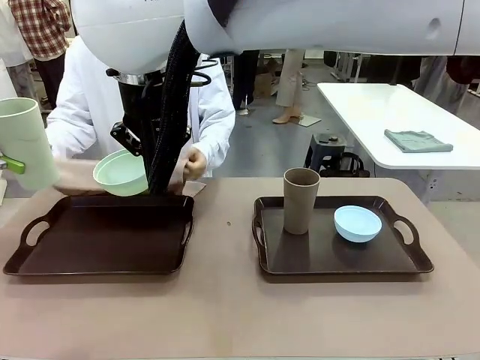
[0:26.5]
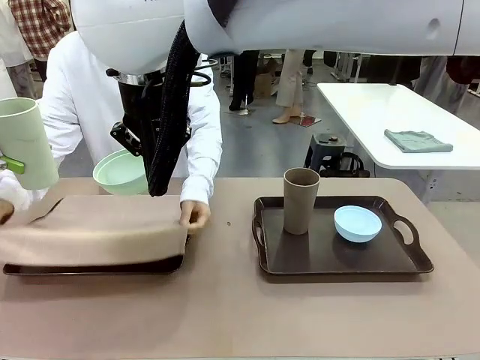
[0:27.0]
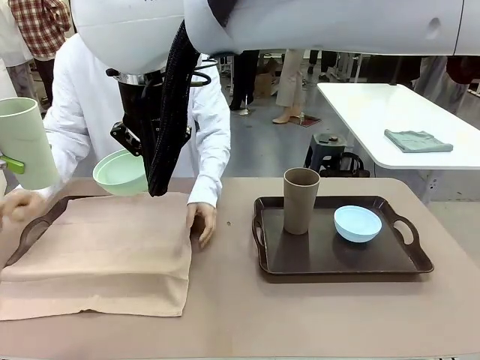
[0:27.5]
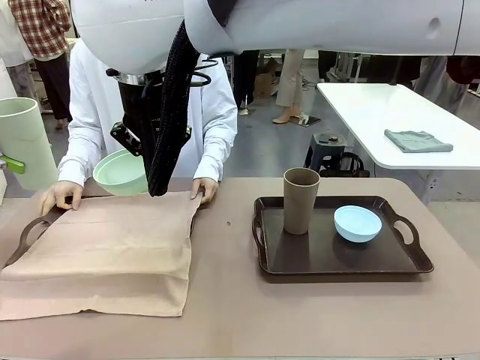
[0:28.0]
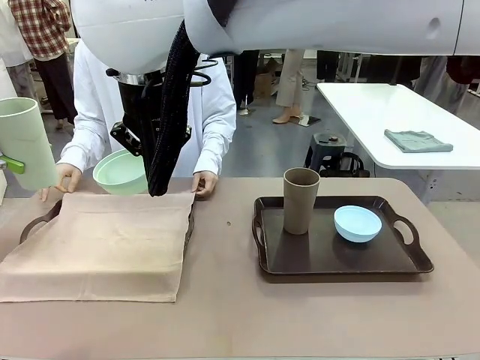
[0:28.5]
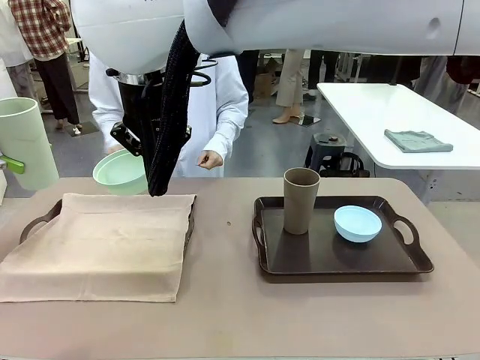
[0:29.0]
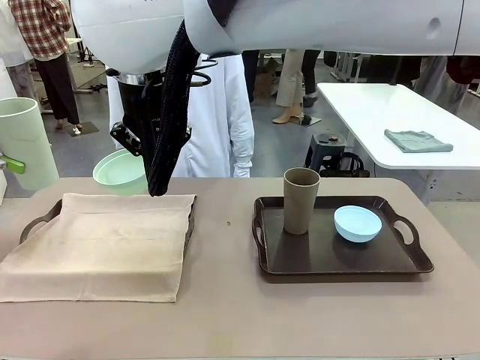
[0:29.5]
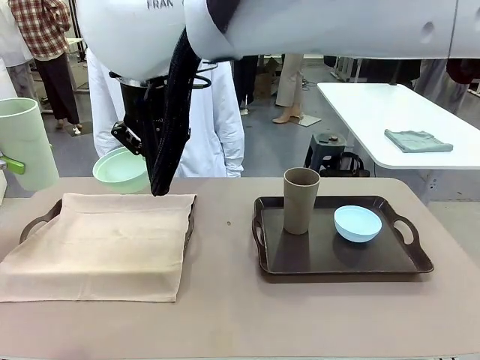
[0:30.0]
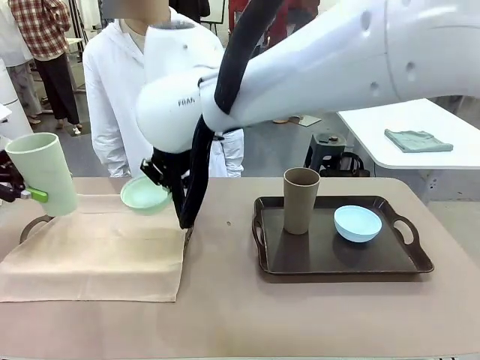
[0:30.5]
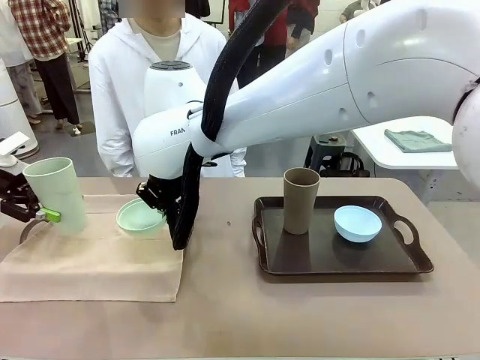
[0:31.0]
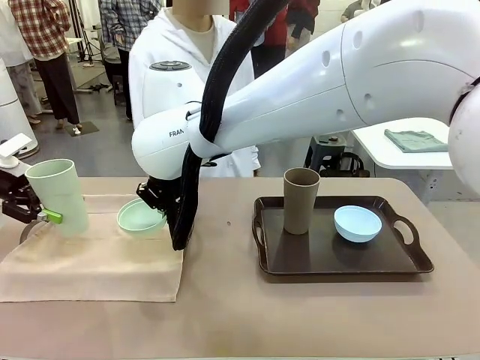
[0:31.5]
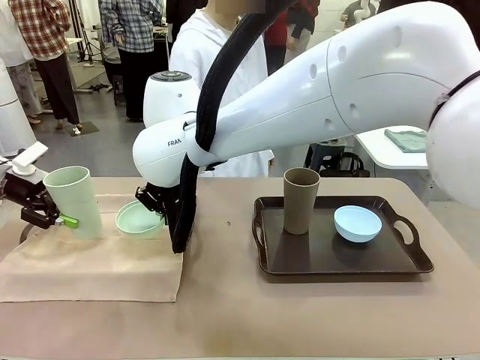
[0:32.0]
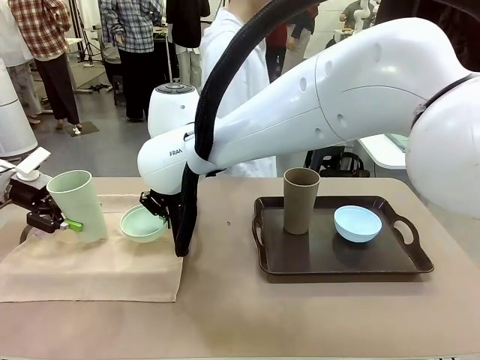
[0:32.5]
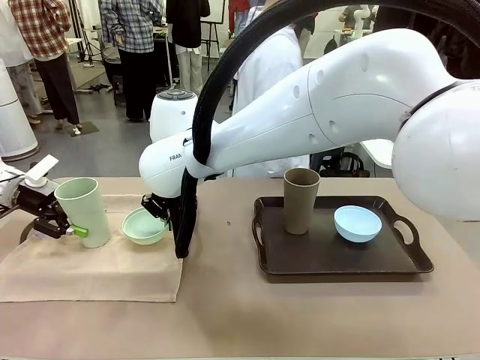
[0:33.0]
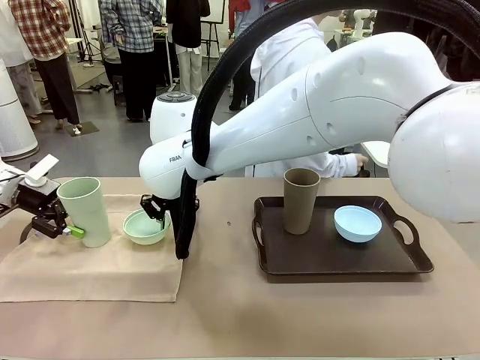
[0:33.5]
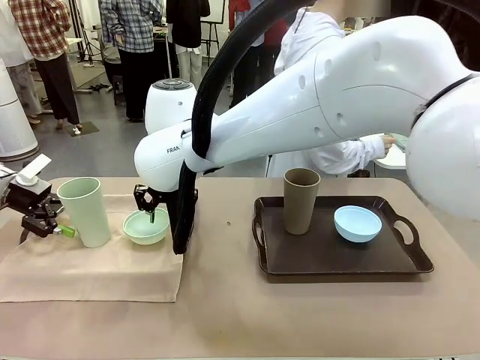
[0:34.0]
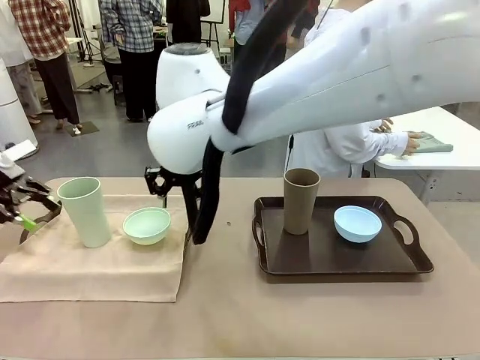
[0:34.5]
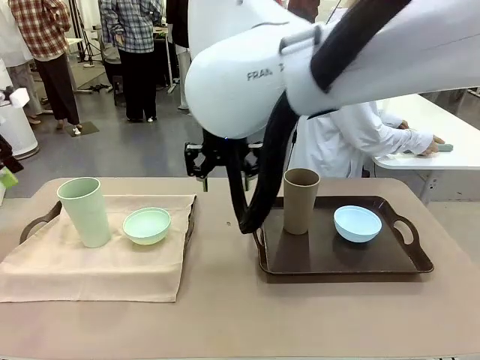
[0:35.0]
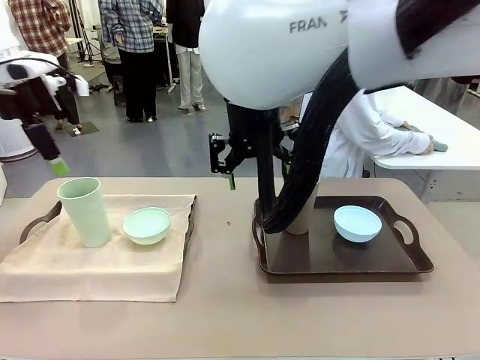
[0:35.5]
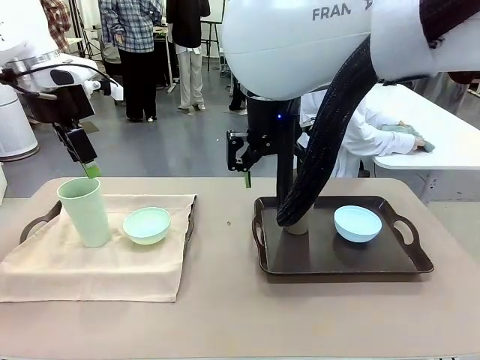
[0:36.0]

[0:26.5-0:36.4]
Robot: Place the Picnic Bowl and Reusable plastic cup back onto the Handle tray in front of the human's position.
Person: The human returns to the human table to pick up another napkin and walks to the robot table to stand in front of the tray without a napkin.

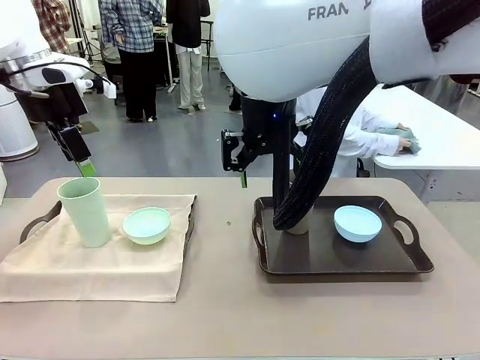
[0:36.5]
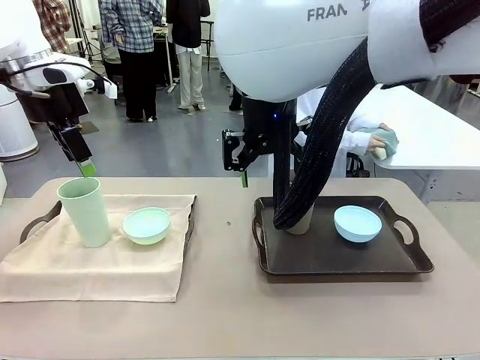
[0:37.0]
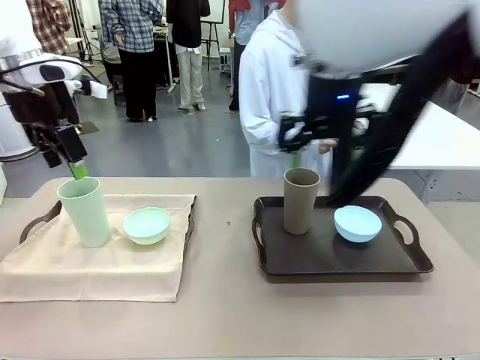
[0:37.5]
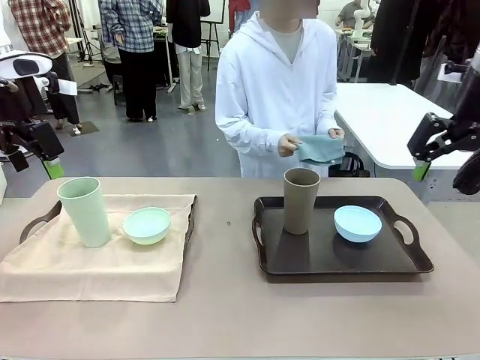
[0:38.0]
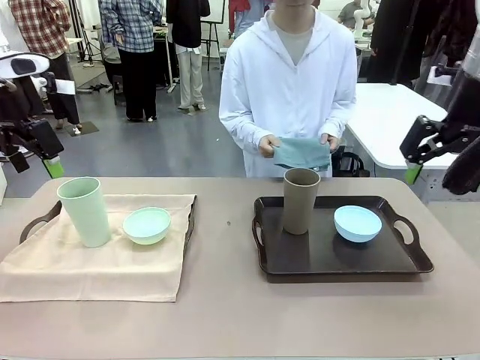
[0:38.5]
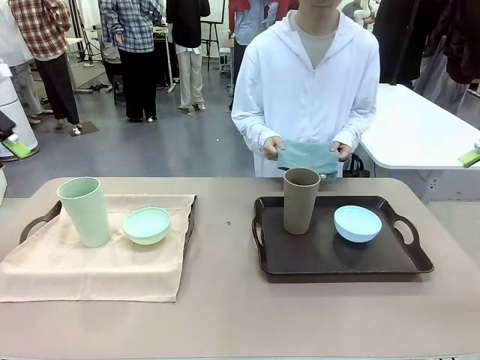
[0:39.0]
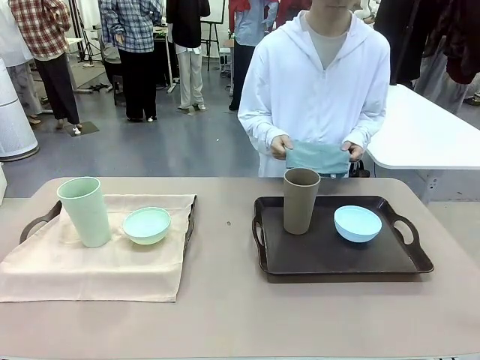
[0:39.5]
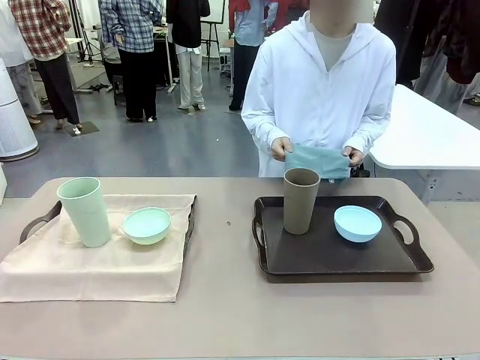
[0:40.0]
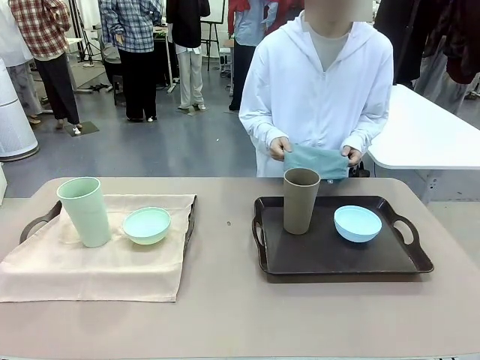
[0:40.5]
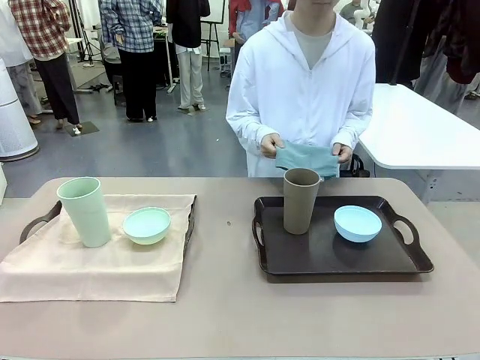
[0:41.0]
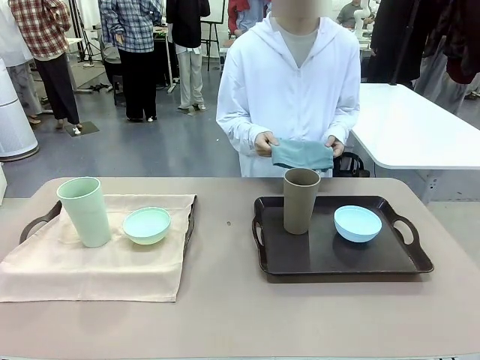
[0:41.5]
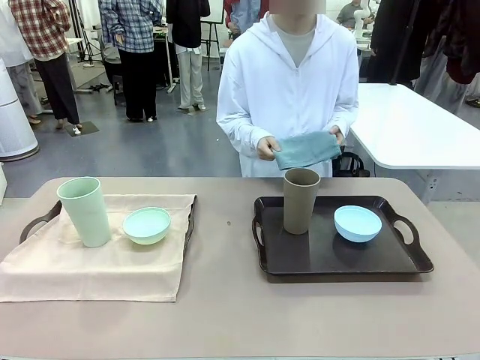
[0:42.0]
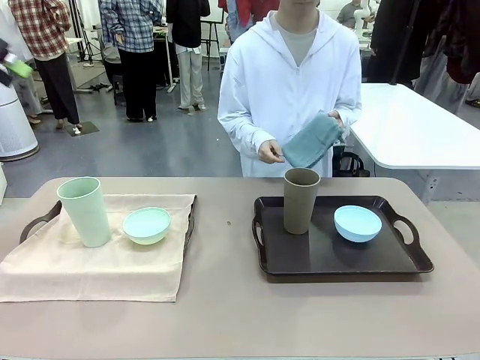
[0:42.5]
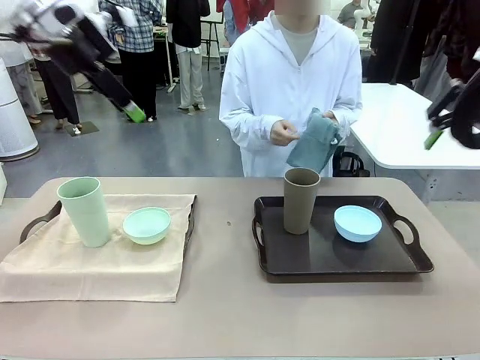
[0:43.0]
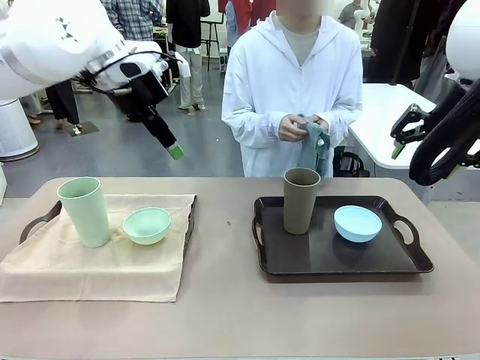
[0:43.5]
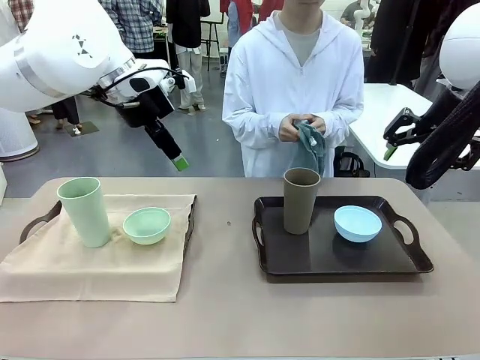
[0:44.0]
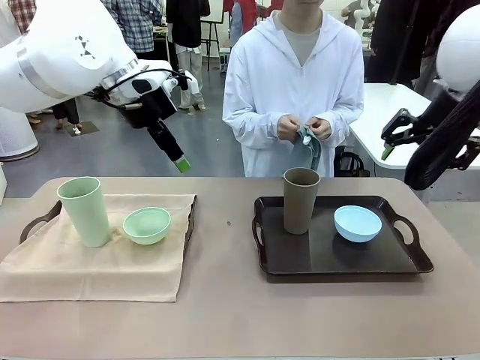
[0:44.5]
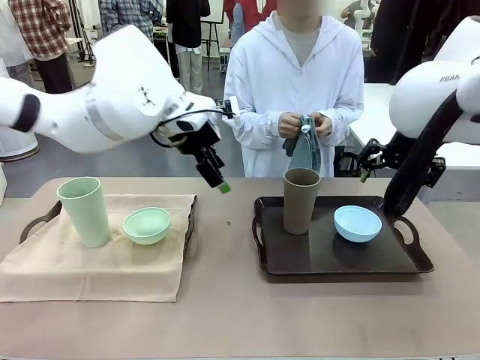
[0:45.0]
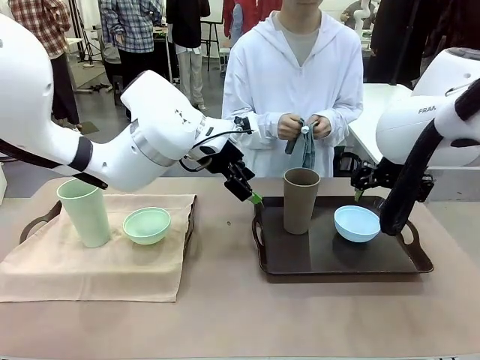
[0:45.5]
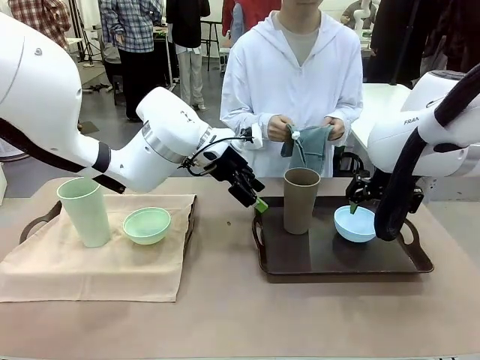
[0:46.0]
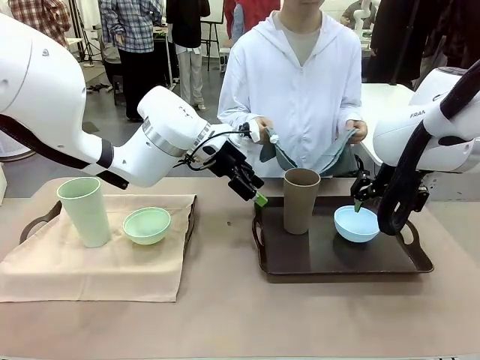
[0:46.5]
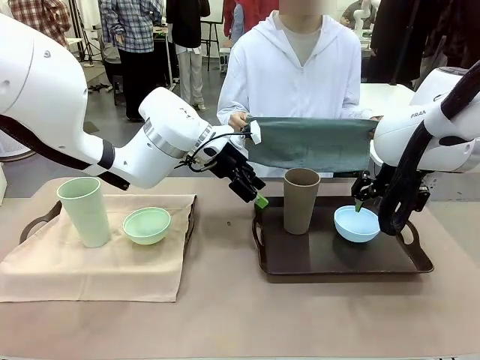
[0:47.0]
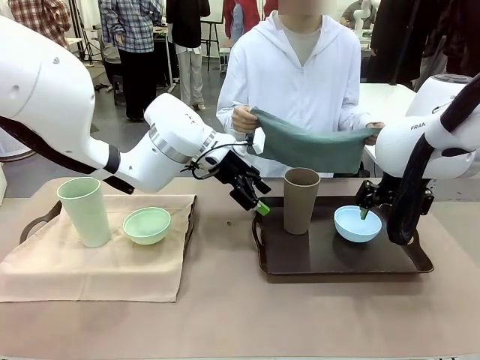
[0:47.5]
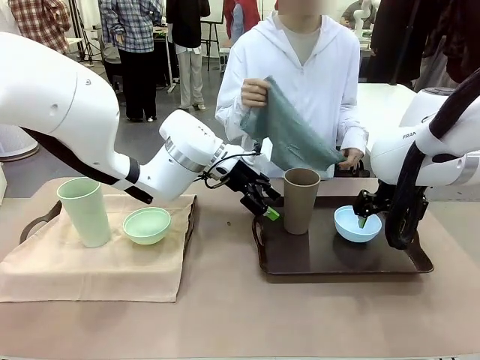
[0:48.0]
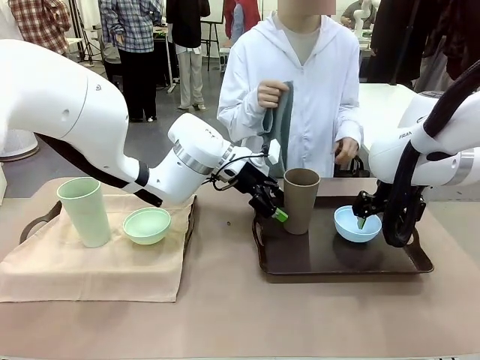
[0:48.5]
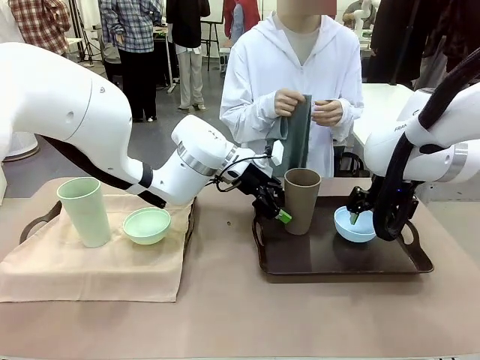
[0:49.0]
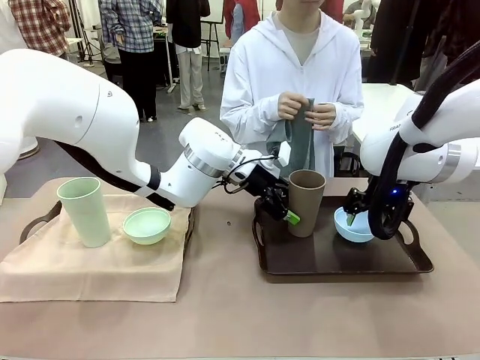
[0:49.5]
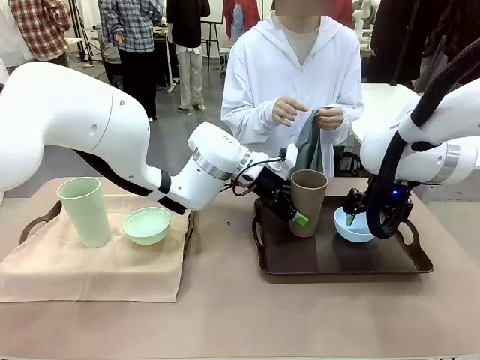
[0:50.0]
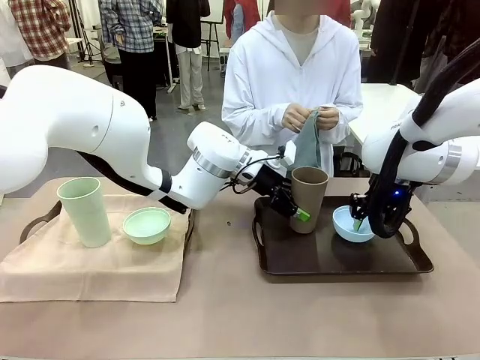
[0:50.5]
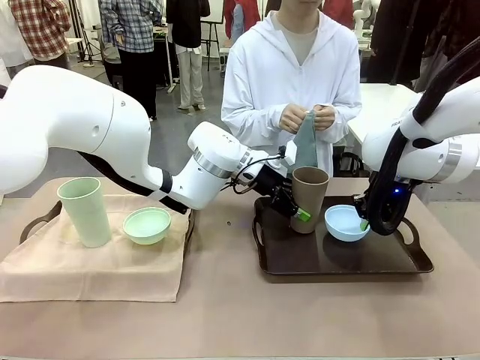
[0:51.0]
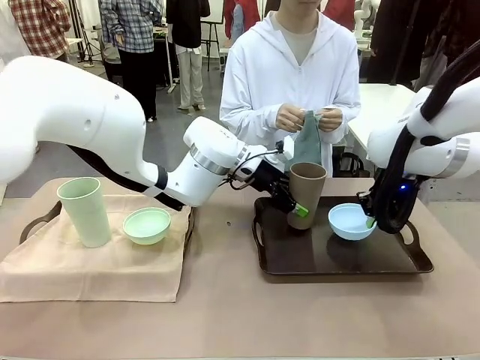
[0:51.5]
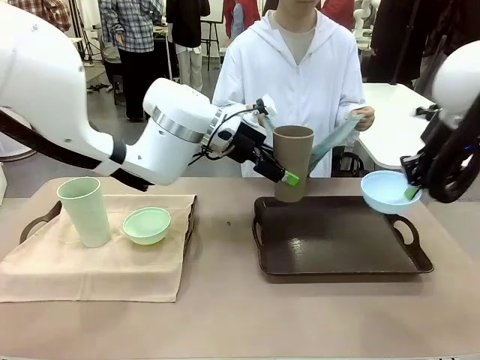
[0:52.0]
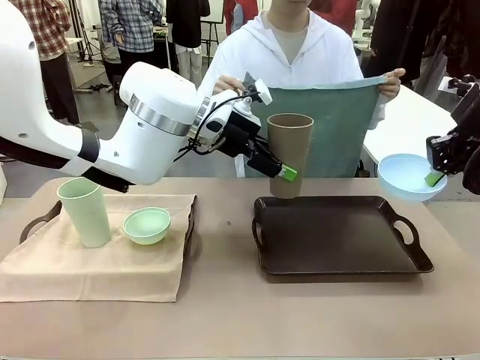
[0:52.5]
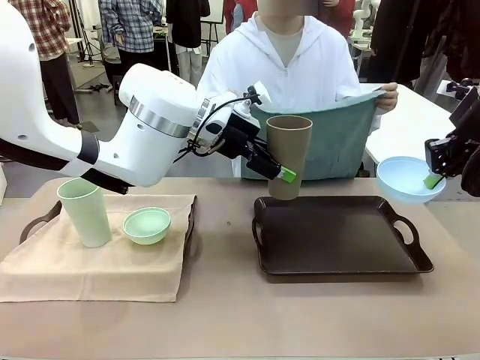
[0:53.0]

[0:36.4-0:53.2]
Robot: Pick up the Picnic Bowl and Reusable plastic cup from the Handle tray in front of the human's position and hold them in the air.
